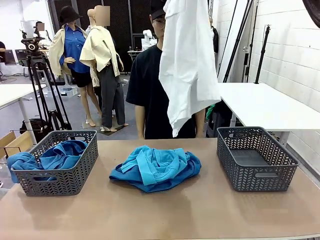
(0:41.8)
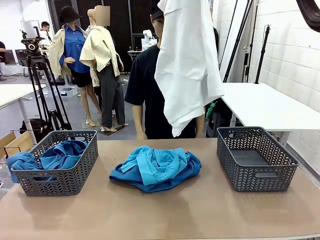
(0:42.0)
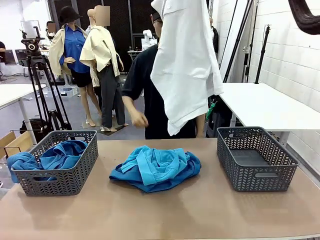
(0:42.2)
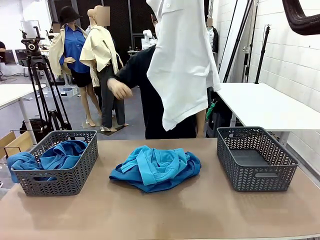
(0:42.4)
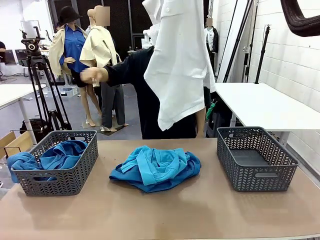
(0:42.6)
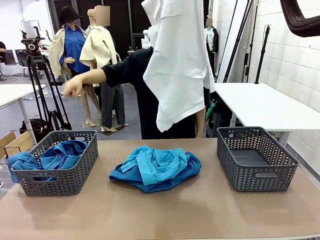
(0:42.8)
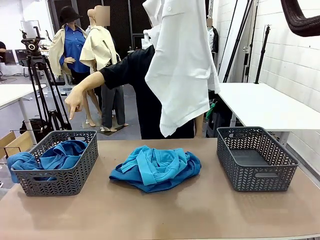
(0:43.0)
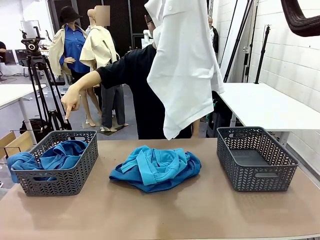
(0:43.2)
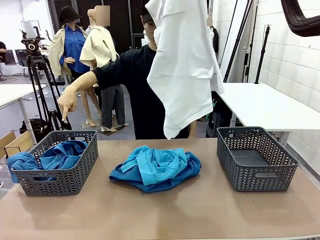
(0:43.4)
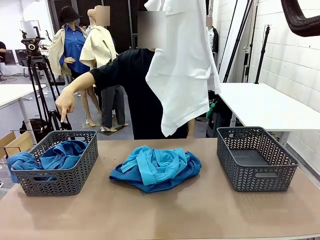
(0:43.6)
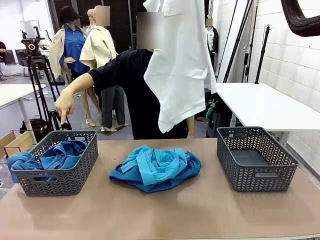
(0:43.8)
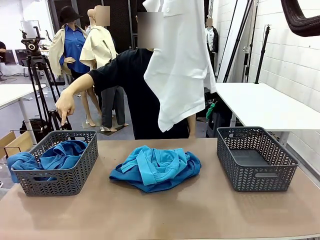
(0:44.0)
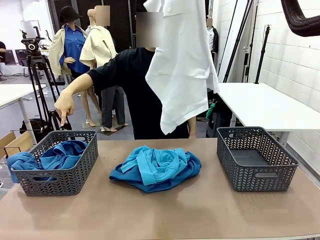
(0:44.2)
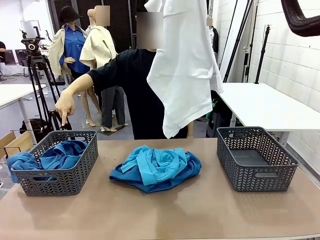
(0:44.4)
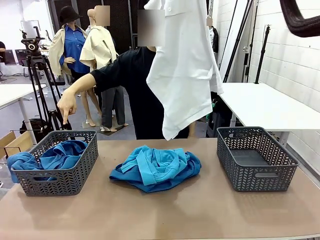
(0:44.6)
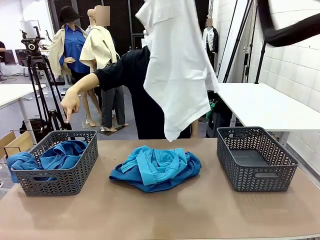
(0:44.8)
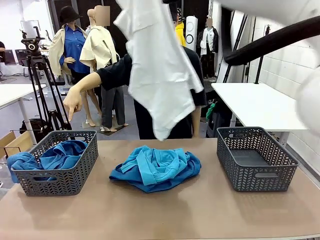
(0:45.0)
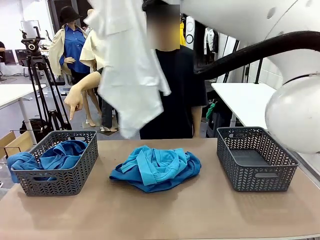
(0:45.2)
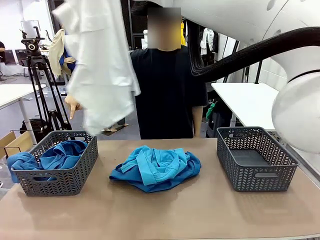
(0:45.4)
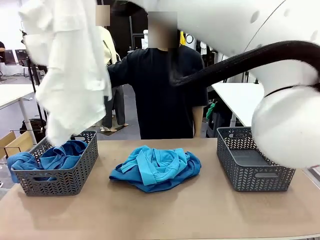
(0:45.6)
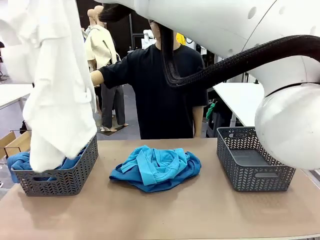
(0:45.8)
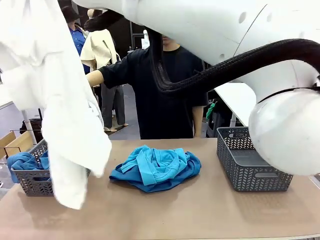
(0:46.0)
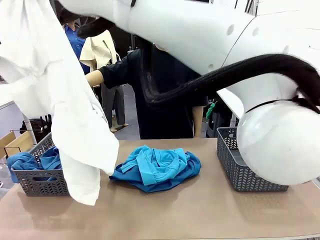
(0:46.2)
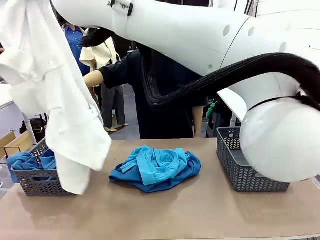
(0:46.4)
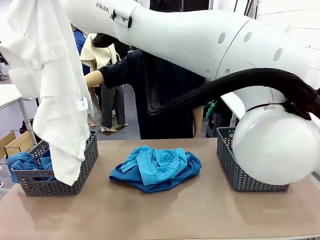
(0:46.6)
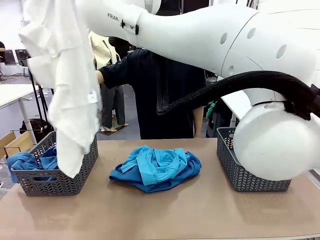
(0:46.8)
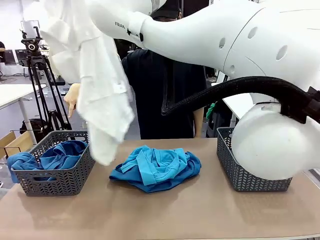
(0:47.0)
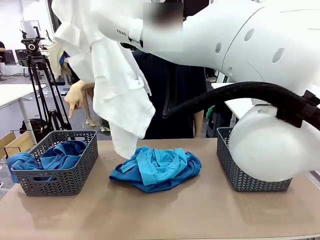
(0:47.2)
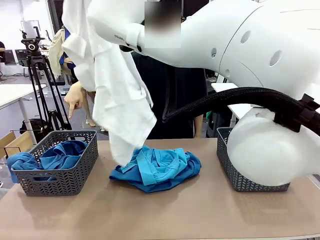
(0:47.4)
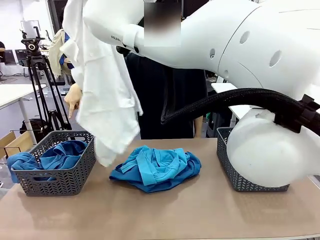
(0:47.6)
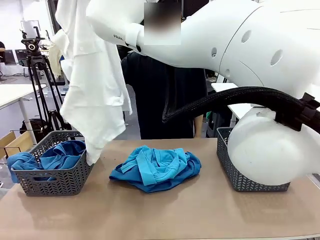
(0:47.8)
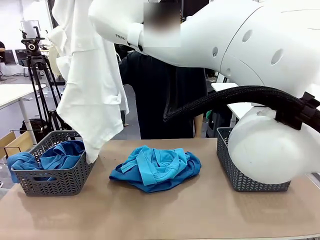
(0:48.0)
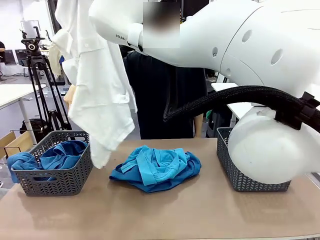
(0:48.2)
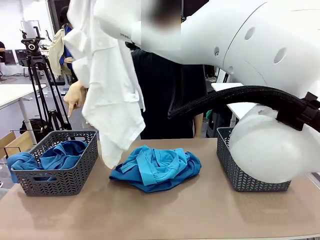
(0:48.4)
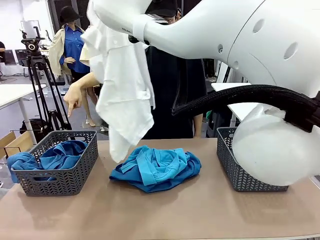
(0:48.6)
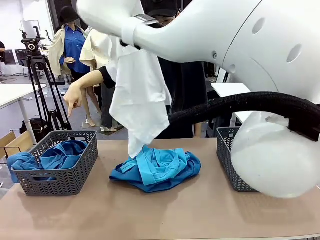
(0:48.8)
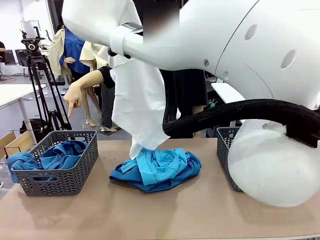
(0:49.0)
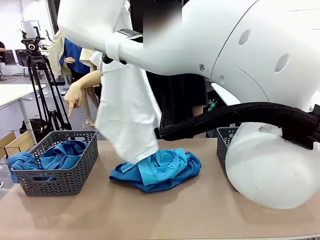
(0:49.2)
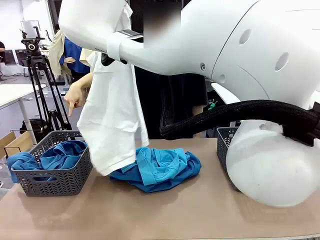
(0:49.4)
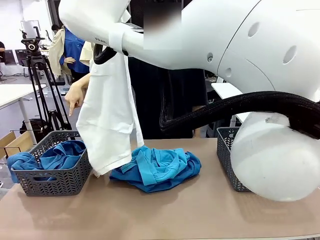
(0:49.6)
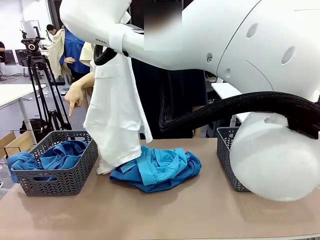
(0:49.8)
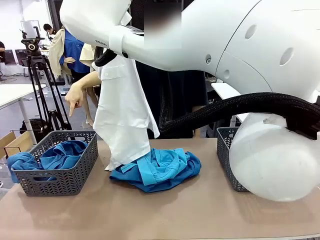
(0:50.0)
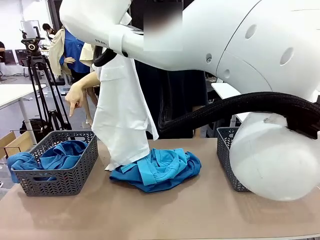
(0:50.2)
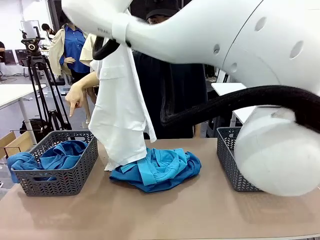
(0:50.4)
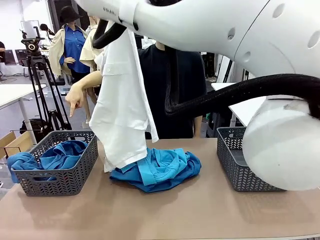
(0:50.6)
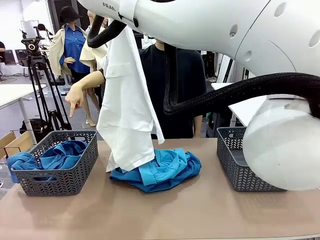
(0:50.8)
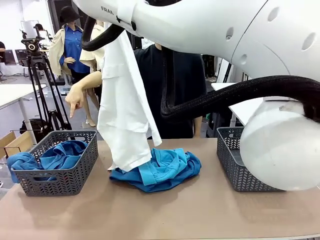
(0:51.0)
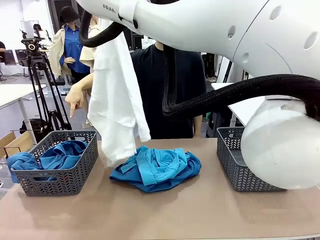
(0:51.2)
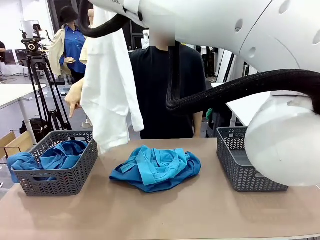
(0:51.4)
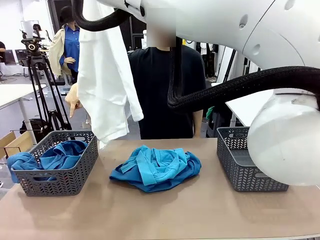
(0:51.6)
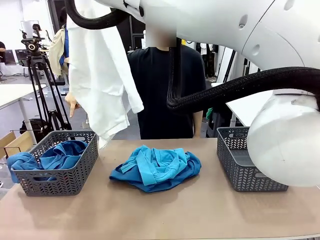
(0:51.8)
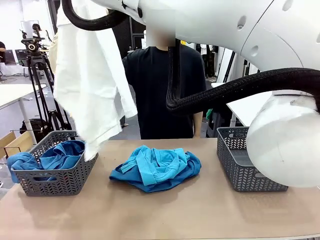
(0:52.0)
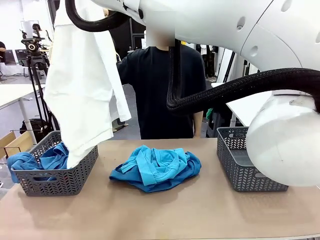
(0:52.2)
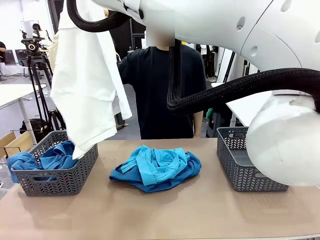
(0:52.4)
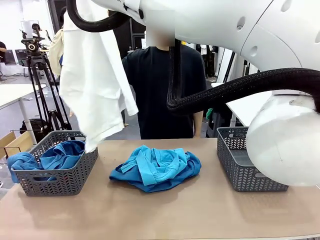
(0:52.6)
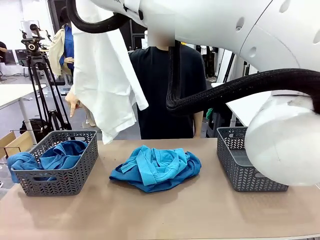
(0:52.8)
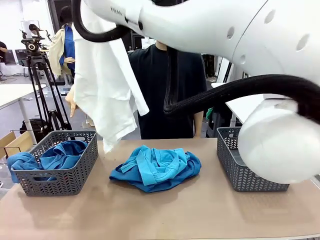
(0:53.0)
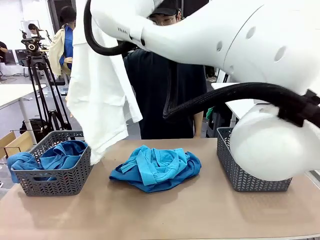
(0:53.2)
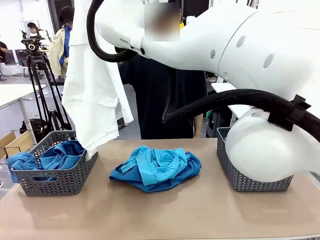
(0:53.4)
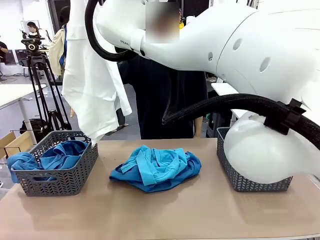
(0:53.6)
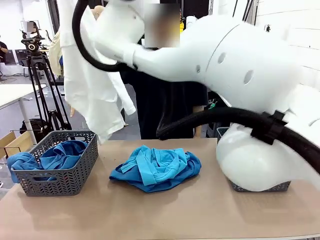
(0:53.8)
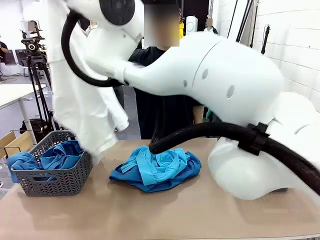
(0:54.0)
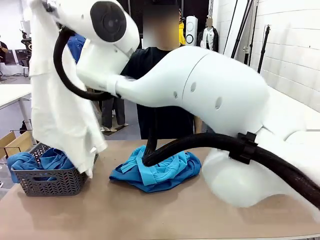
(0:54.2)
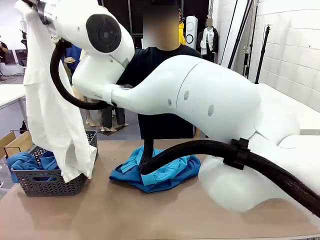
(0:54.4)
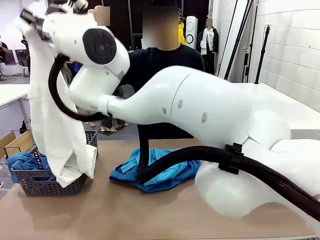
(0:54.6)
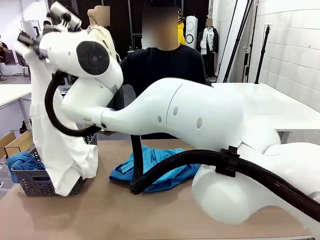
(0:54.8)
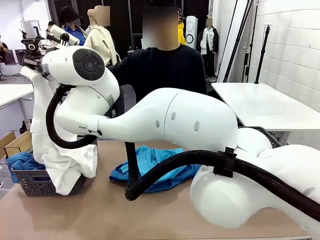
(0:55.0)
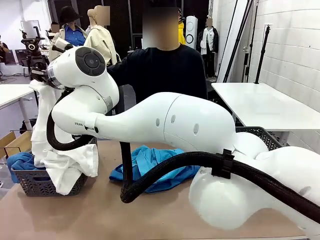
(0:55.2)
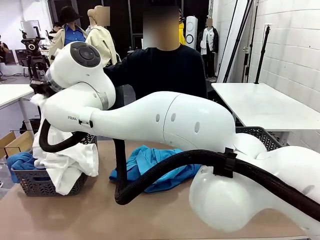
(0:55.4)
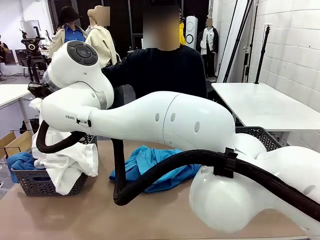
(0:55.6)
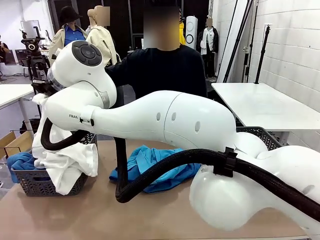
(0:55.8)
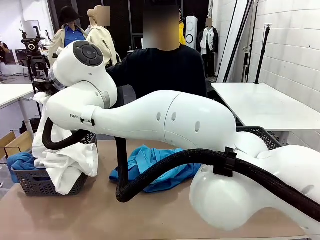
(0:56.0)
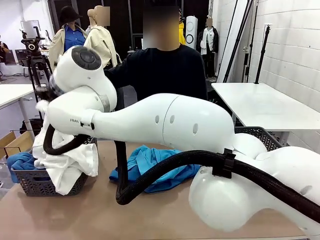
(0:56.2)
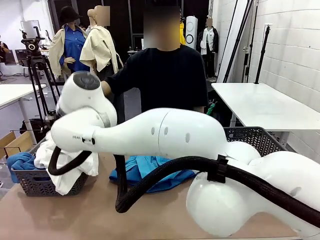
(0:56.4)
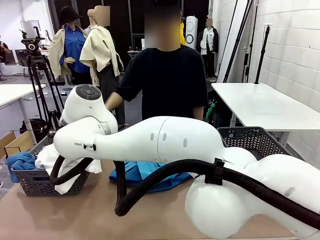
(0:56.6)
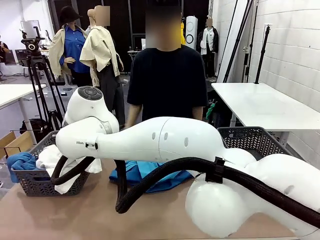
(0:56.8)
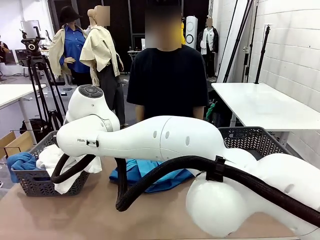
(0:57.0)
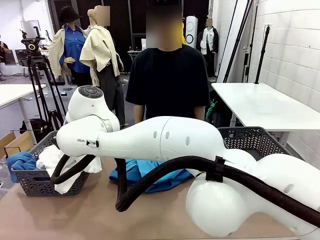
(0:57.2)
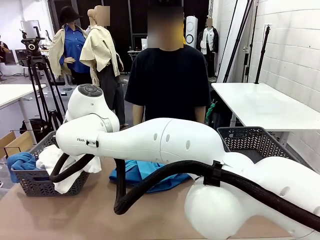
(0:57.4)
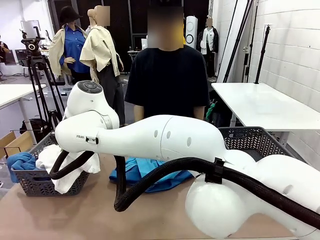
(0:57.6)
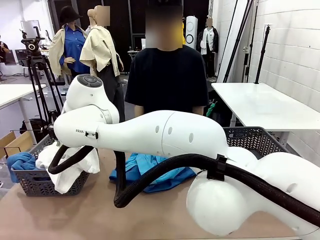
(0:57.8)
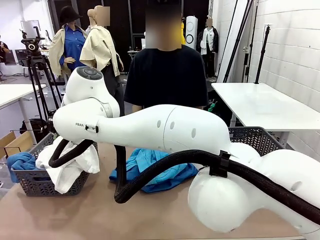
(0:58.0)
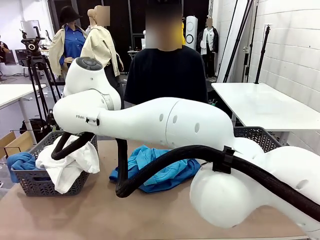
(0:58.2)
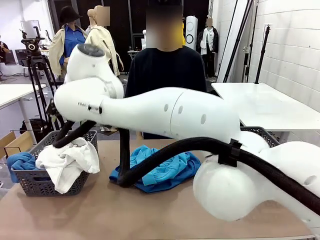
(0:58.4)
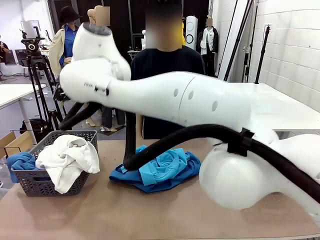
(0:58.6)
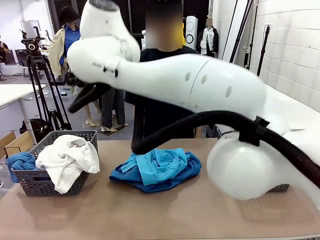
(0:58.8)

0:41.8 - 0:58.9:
Task: Sort the tops and bottoms.
Robot: Sort the clothes according to human instructions.

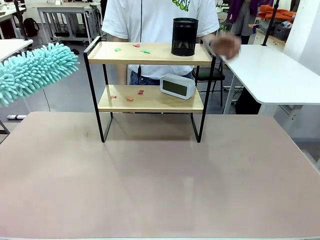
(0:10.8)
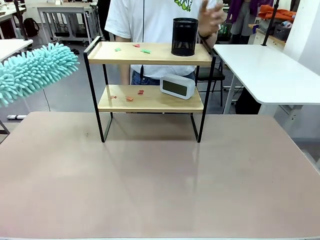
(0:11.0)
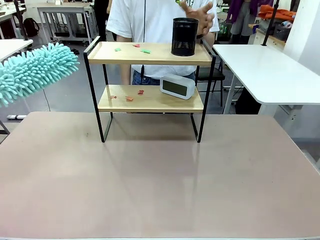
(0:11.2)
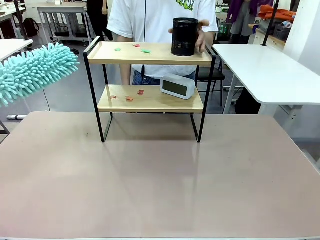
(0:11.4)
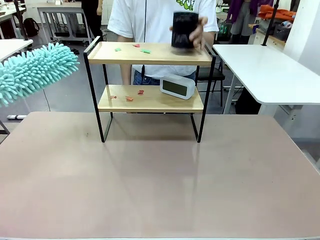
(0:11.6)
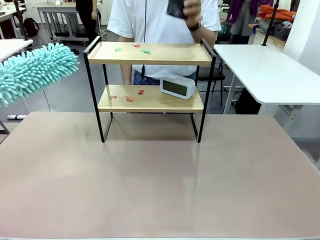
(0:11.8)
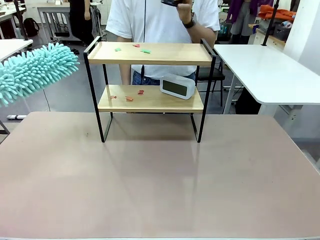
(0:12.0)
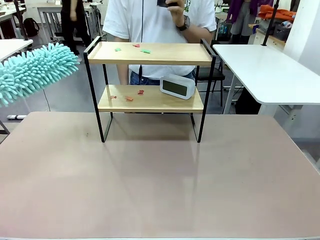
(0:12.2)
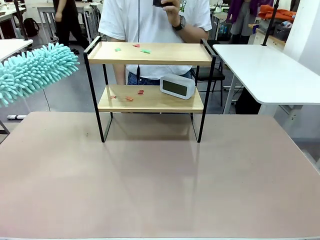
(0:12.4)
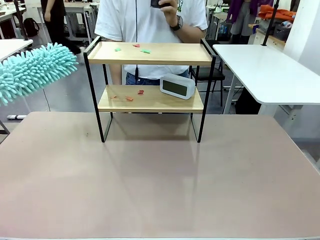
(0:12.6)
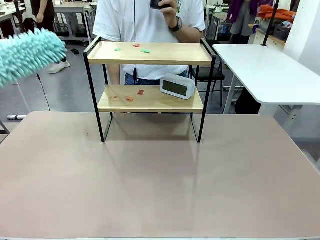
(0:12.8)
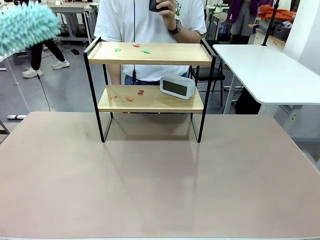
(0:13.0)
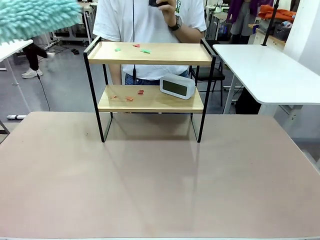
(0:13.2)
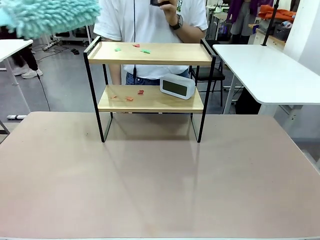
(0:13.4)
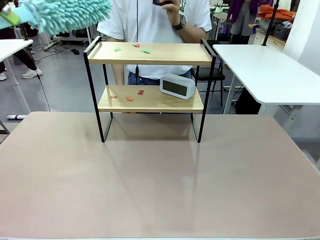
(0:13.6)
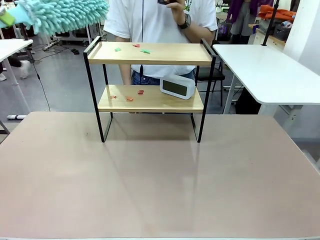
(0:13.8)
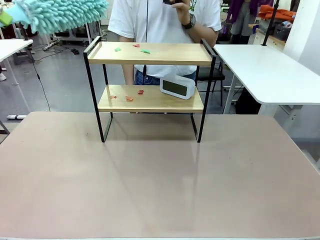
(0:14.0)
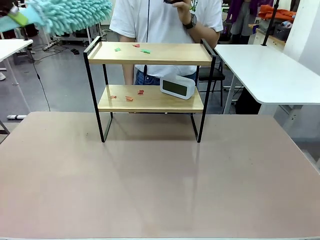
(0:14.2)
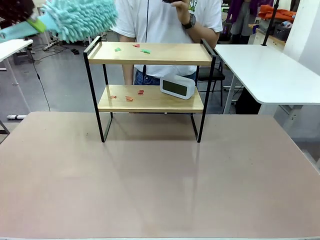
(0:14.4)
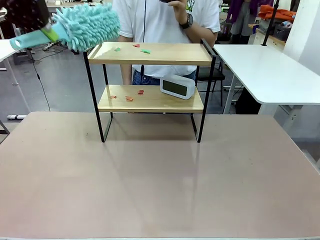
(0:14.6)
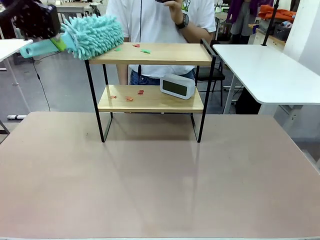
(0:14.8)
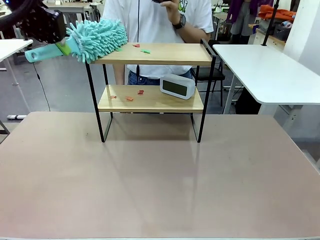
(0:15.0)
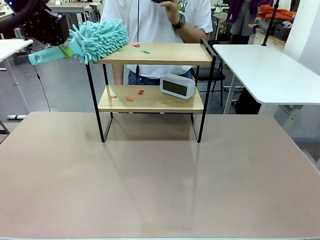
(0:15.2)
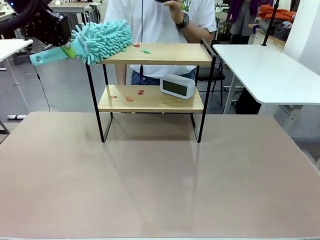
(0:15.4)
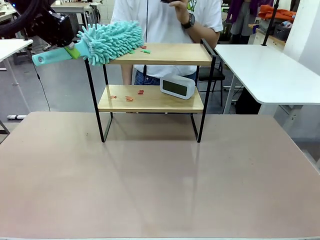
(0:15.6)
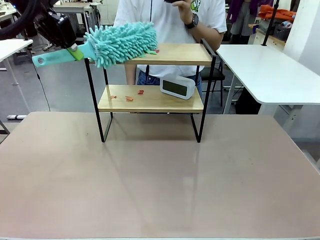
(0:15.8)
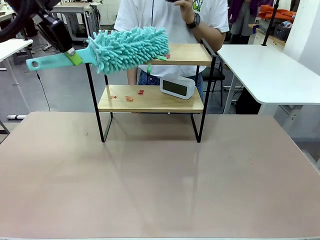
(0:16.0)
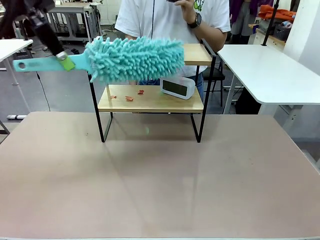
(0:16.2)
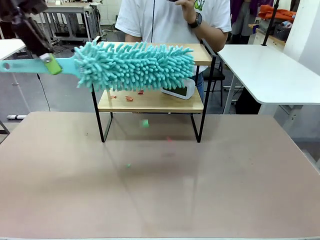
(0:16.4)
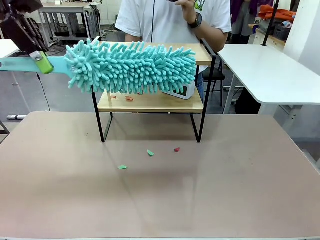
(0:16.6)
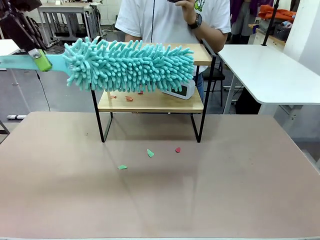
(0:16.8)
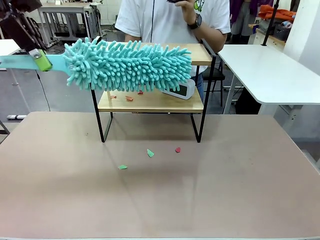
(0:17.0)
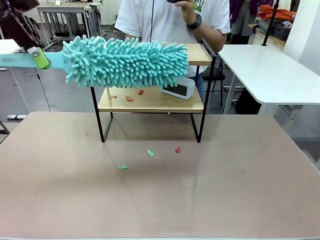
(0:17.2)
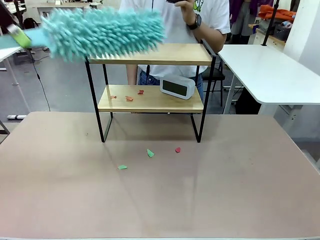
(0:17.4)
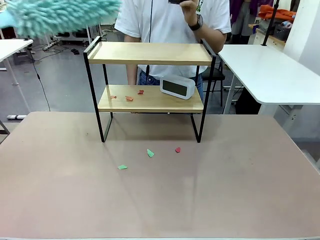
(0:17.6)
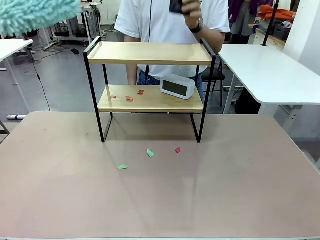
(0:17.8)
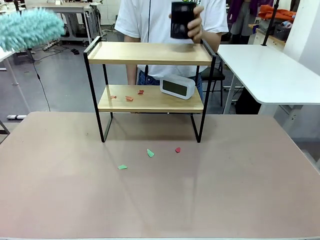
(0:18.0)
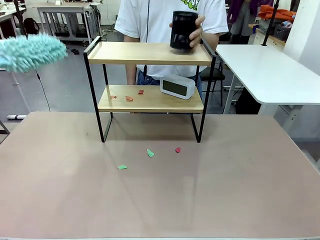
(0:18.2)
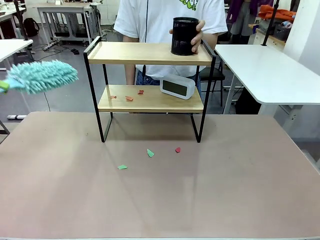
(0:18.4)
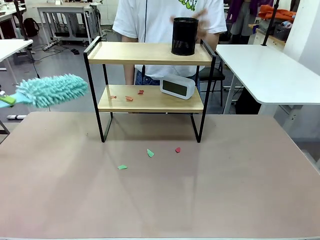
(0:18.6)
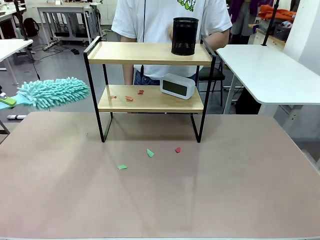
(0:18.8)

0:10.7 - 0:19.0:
Task: Clean the shelf.
Robot: Clean the specific tier of the Shelf with the Duster once objects are removed.
Person: Lift the objects on a randomly selected tier of the Shelf. Once the robot finishes cleaning, lift the objects on the remaining tiers of the Shelf.
